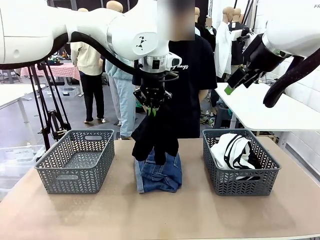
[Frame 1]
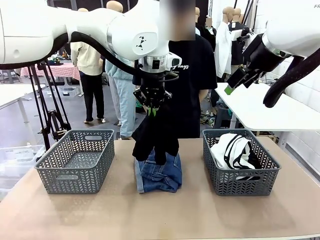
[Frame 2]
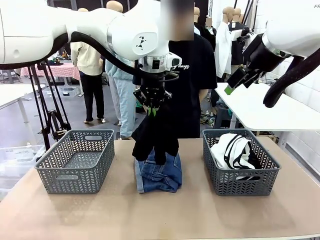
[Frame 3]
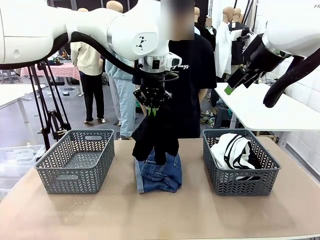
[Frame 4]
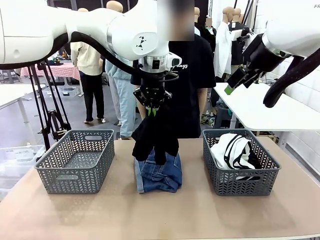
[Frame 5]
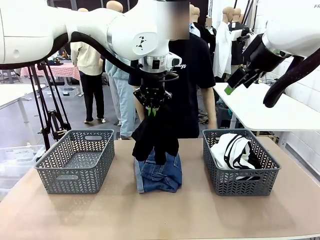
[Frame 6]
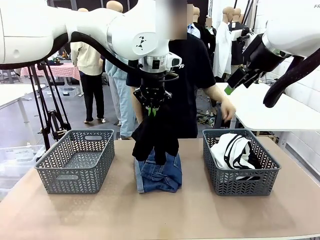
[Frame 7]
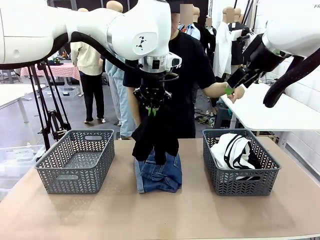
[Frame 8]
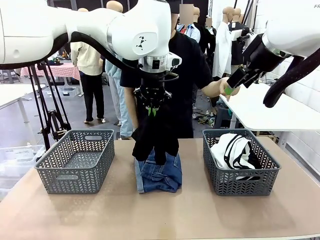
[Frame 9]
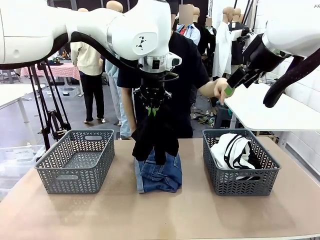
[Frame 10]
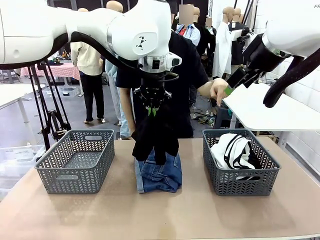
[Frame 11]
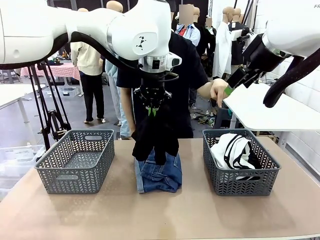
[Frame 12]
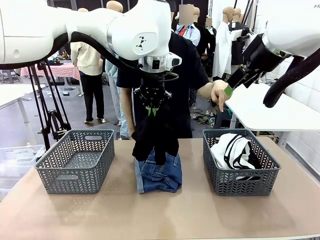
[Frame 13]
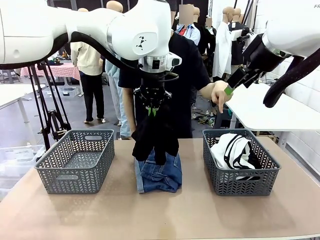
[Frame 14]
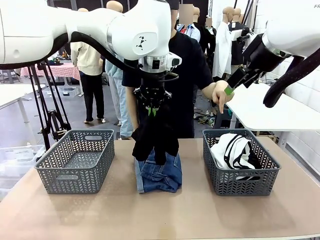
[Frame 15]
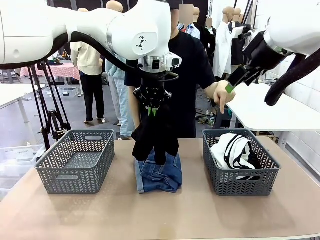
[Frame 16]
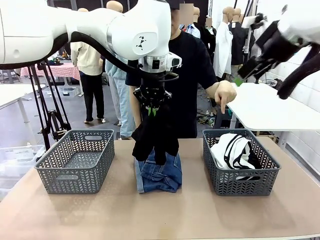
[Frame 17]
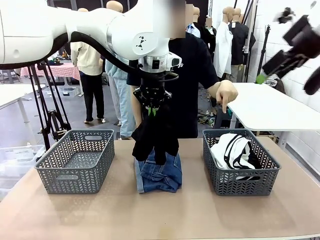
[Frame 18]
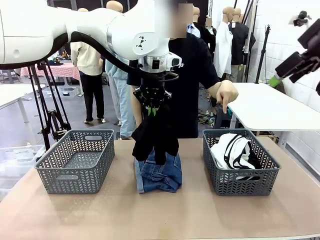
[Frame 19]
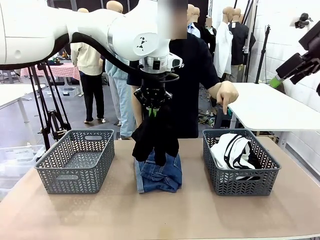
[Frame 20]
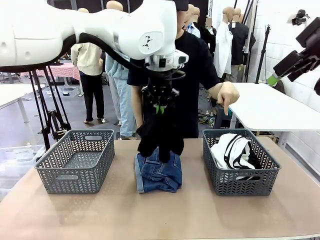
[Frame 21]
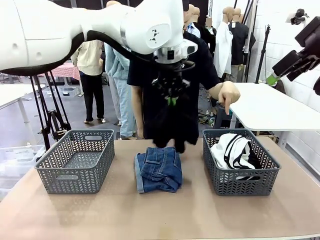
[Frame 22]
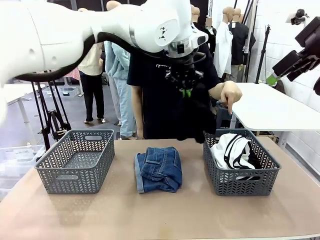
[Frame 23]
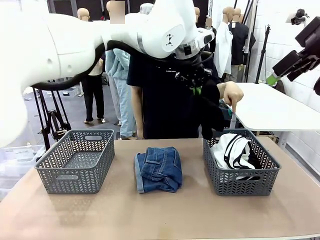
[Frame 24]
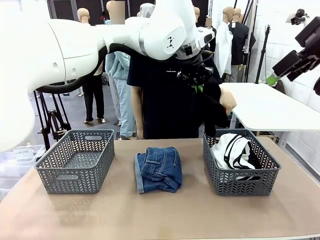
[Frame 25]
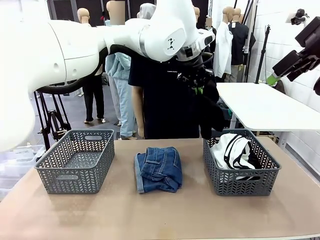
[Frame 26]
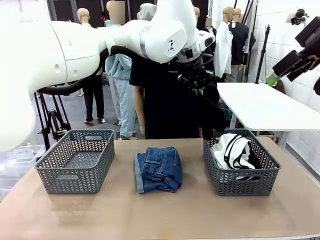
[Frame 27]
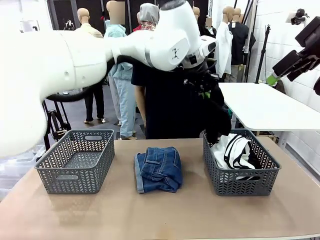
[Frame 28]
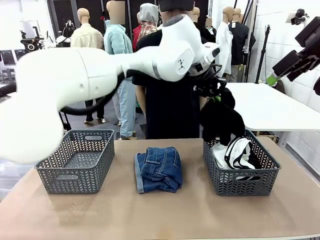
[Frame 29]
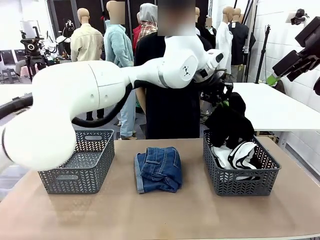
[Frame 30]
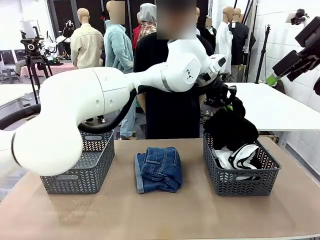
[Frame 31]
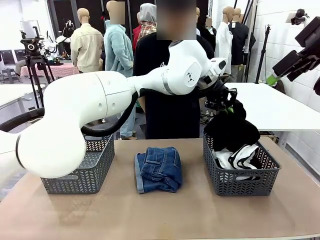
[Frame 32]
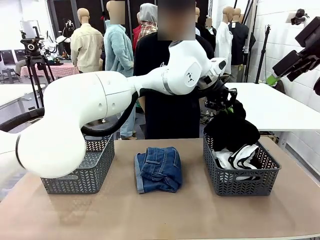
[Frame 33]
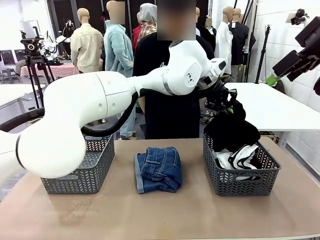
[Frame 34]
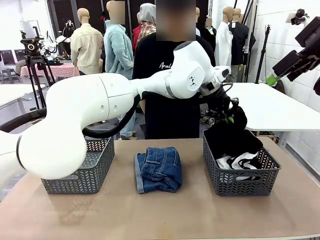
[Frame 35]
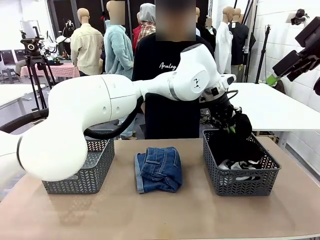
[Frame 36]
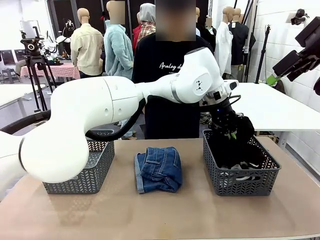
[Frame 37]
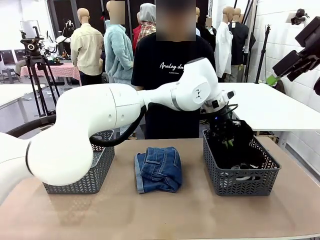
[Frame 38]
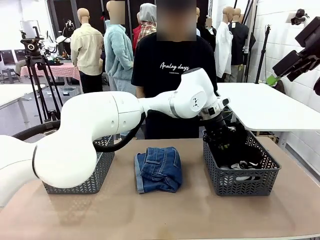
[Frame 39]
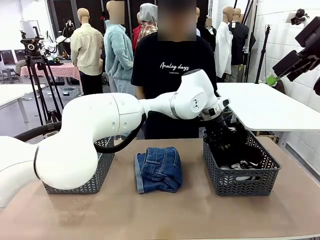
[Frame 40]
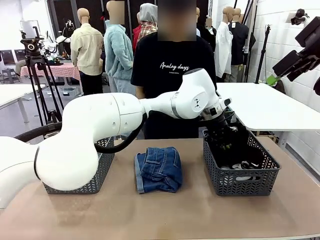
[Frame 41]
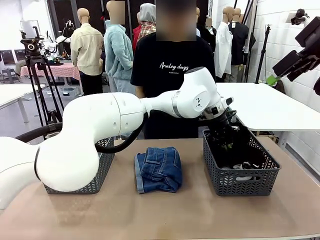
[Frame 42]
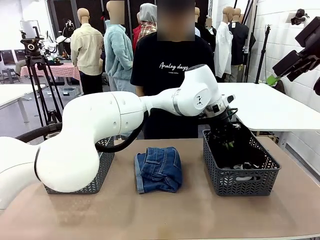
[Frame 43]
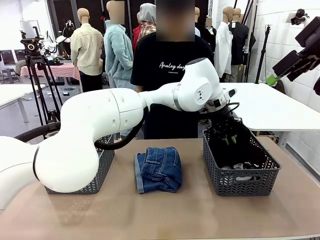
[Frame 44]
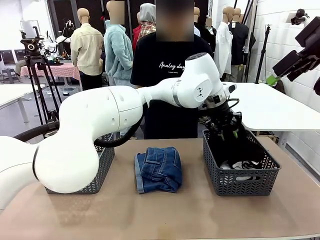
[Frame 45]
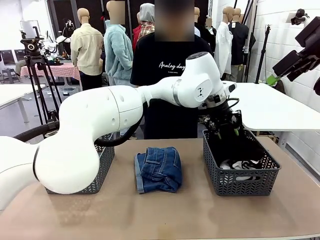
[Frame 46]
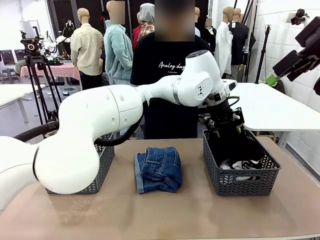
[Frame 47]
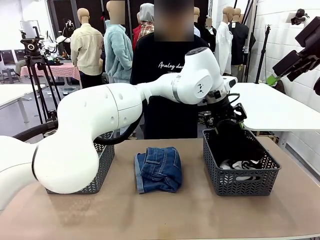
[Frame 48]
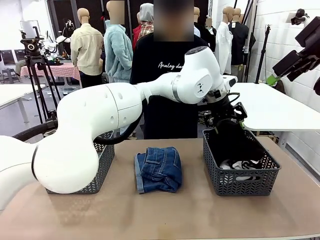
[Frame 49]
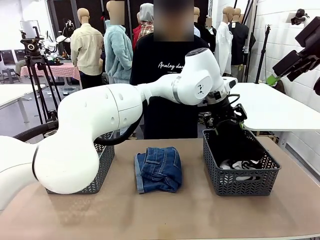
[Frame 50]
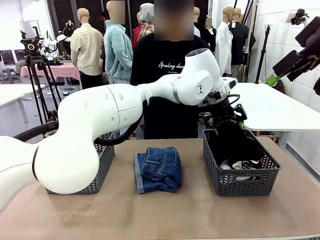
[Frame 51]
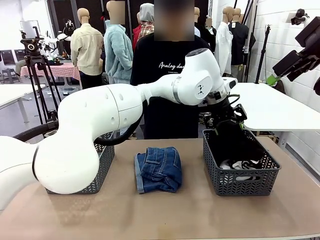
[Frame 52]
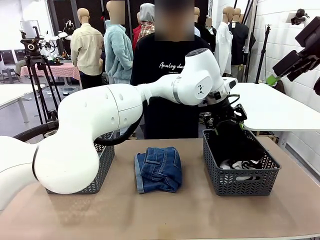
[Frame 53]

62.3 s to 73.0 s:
Task: Sort the tops and bottoms.
Robot: Sort the clothes according to human instructions.

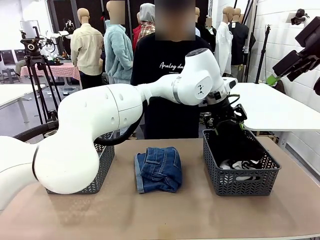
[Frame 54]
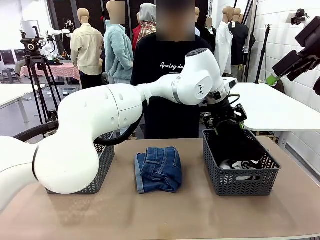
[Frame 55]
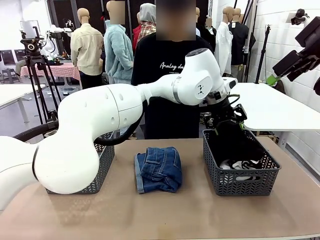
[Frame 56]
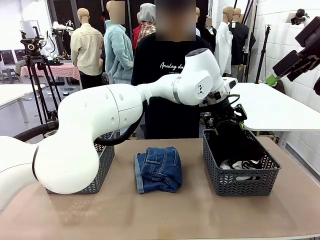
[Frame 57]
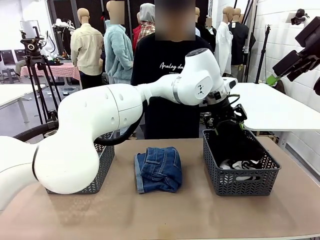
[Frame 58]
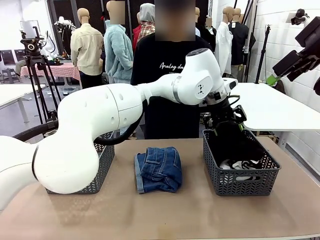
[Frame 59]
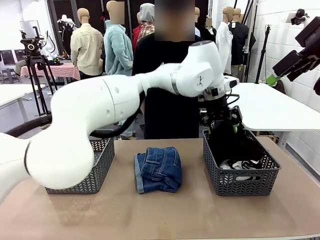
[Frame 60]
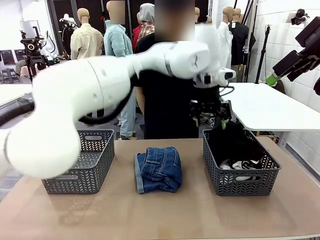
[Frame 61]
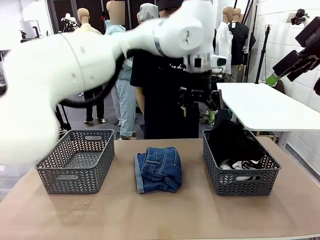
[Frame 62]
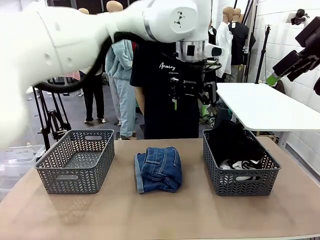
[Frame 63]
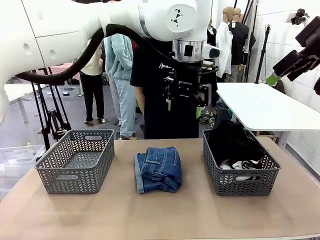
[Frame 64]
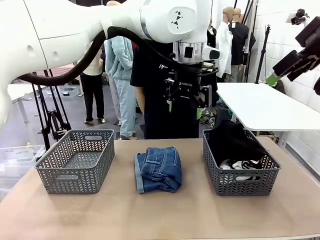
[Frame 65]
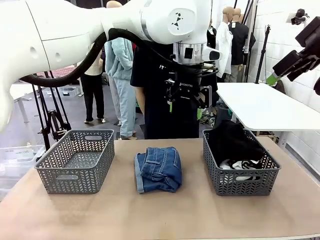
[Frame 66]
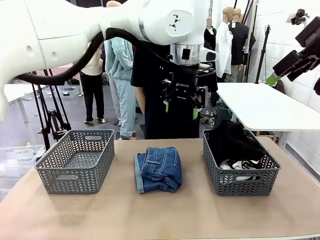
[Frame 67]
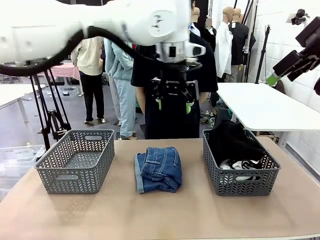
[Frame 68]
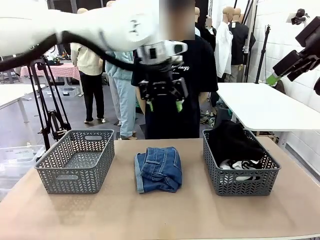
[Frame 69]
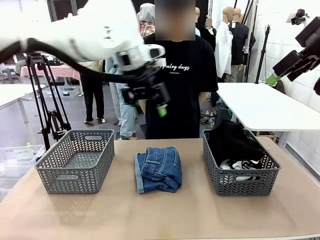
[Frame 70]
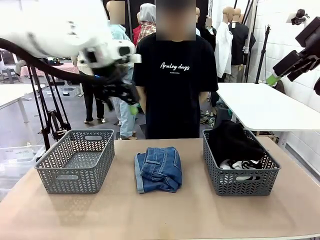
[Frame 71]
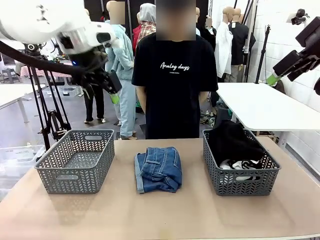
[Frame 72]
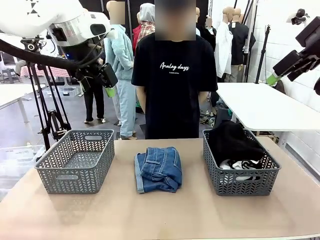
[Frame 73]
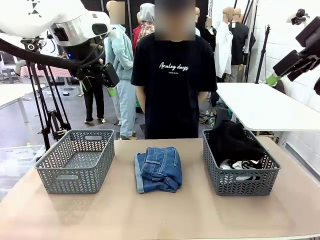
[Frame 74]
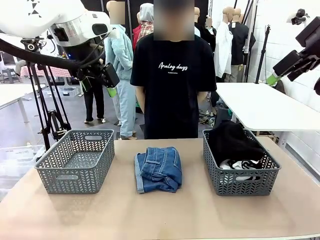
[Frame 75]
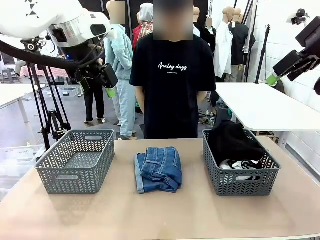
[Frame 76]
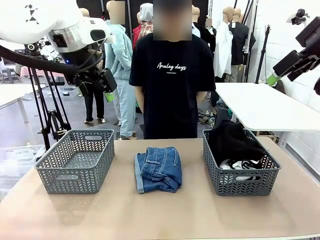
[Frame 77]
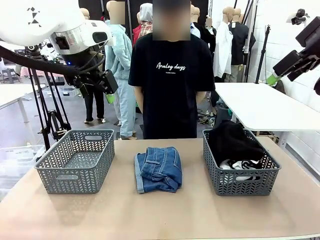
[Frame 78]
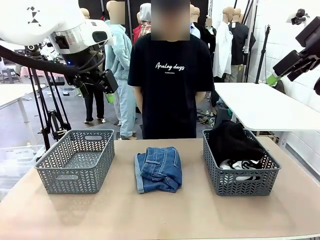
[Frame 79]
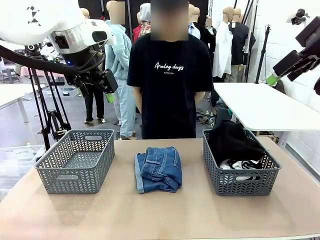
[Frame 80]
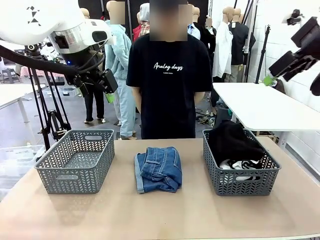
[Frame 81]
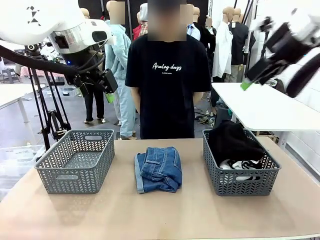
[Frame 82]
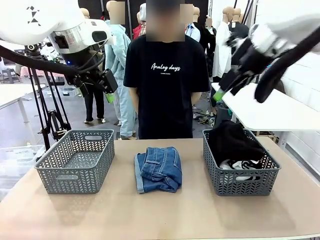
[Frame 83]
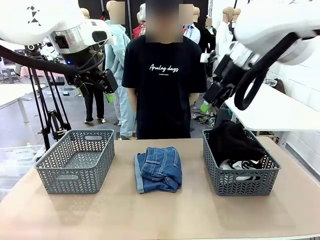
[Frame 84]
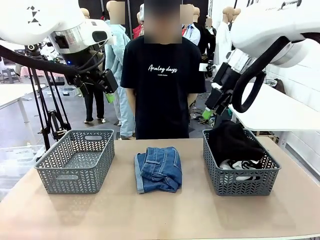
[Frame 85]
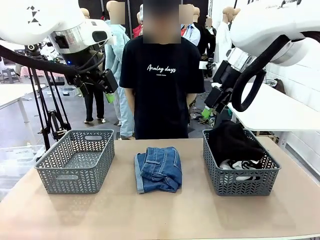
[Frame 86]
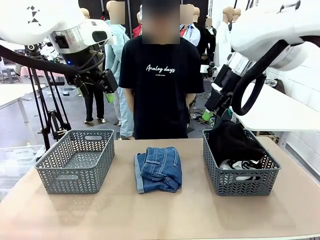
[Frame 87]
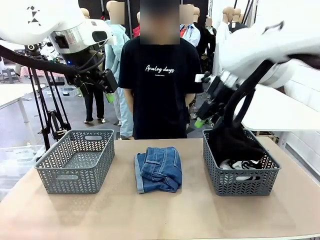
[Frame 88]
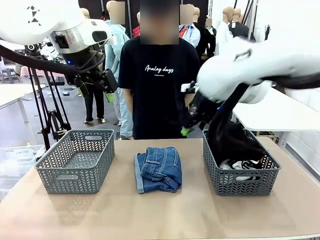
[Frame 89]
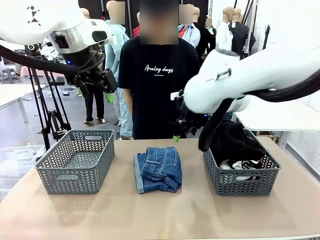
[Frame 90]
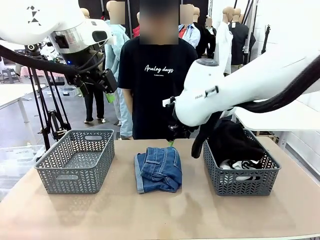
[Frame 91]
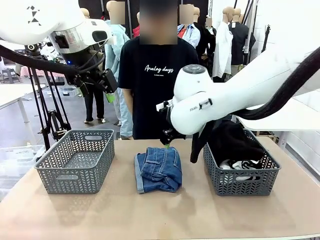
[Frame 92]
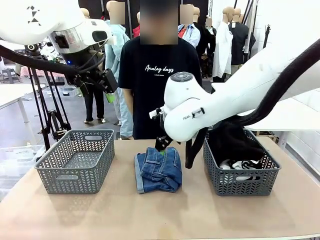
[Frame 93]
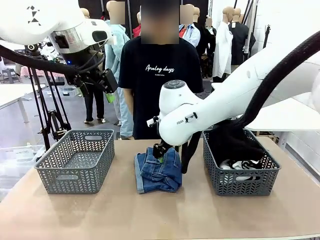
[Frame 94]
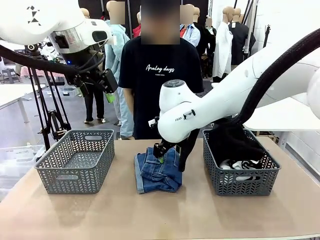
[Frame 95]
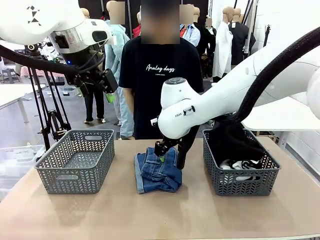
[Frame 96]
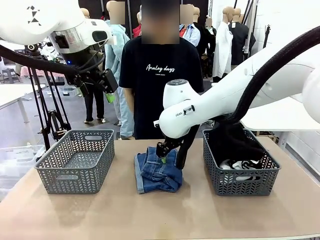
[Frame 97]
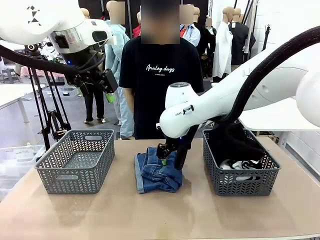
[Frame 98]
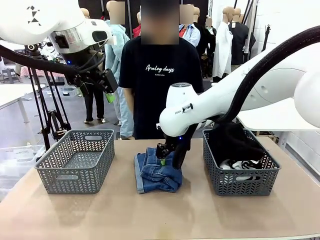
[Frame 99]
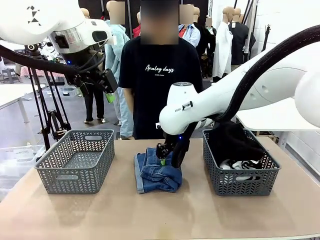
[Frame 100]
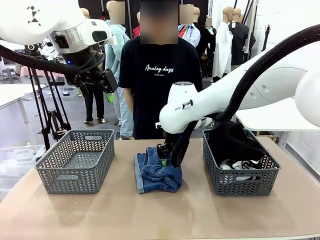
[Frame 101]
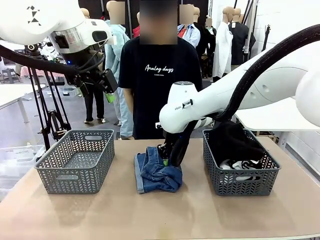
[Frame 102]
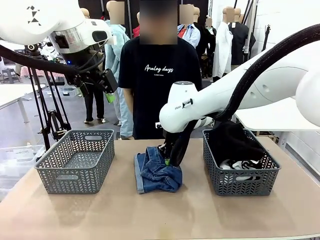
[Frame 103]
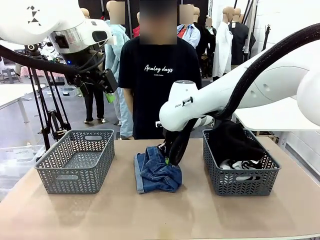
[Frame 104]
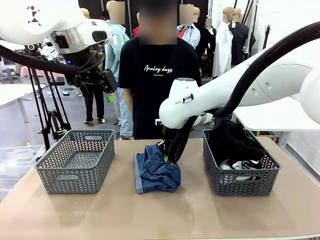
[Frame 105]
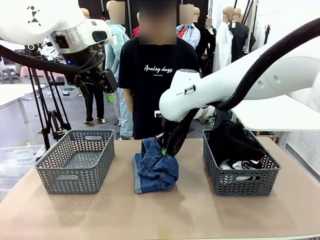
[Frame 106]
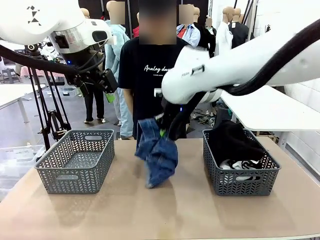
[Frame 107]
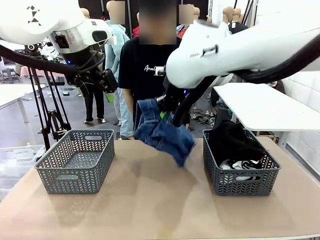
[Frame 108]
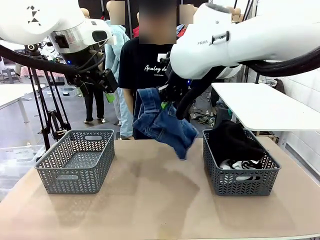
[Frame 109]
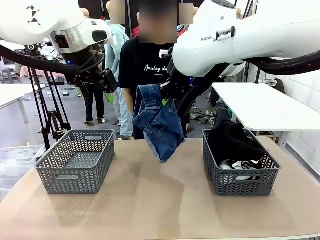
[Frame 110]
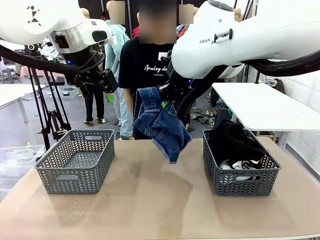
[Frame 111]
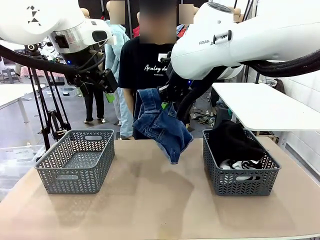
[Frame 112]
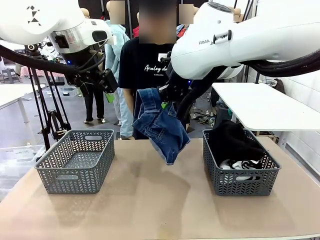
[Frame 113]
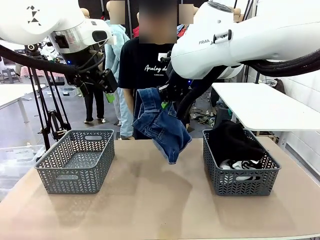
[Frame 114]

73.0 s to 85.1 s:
Robot: Lift clothes from the center of the table with your right hand.
